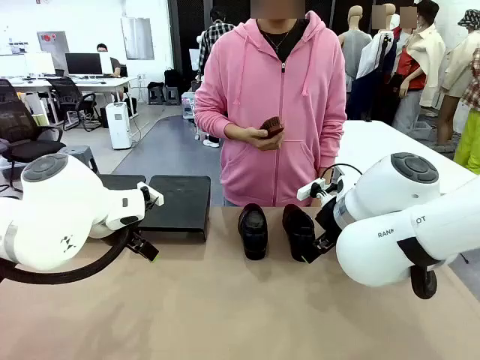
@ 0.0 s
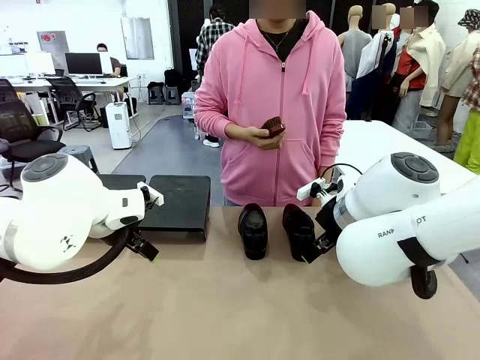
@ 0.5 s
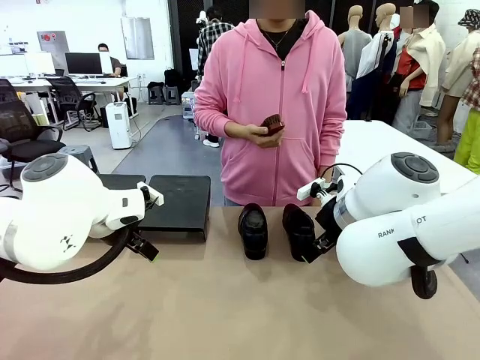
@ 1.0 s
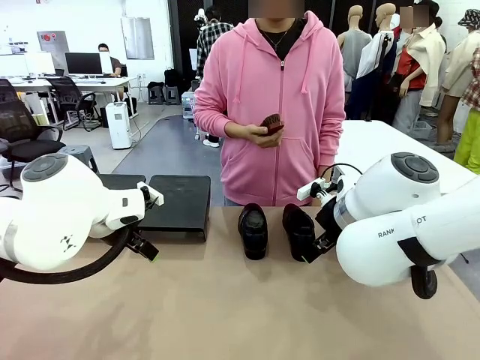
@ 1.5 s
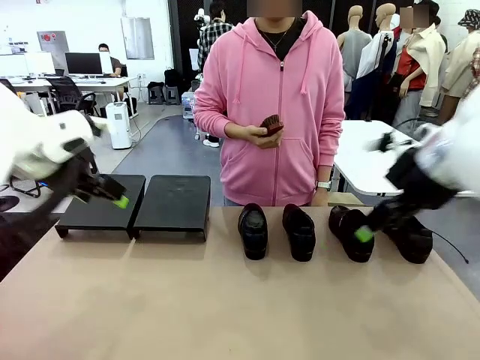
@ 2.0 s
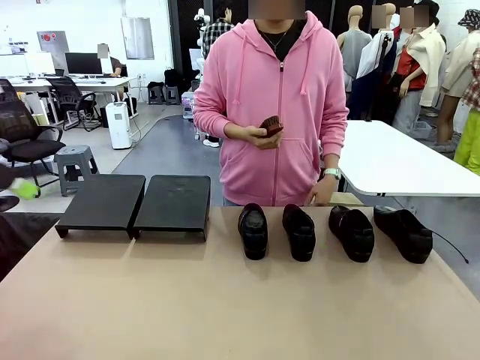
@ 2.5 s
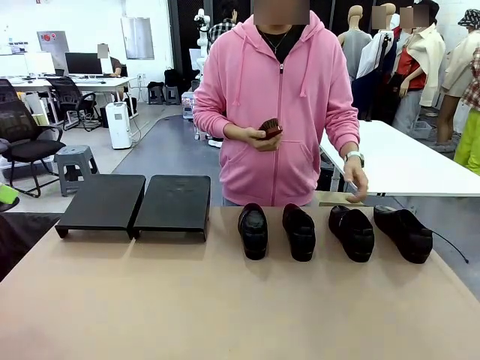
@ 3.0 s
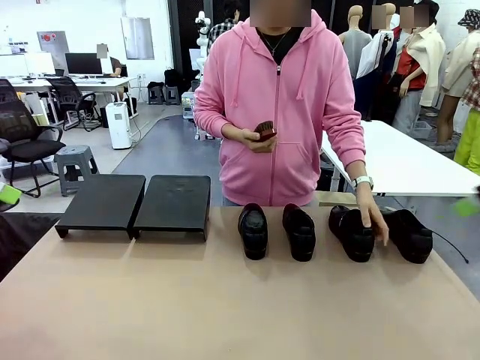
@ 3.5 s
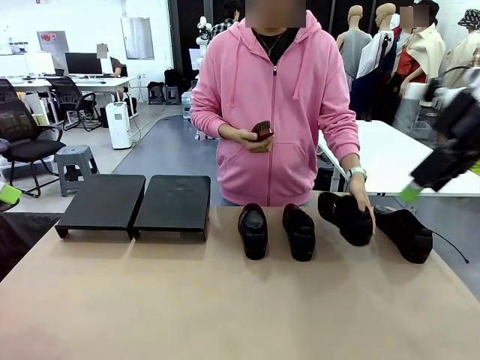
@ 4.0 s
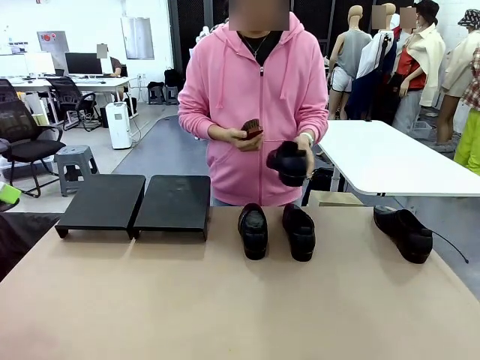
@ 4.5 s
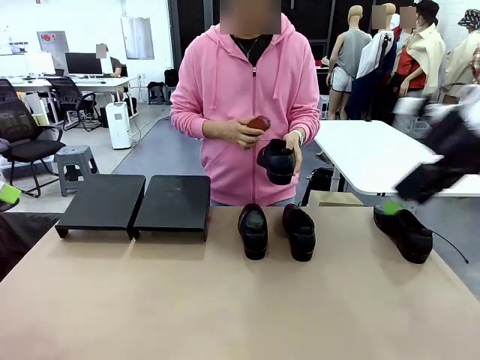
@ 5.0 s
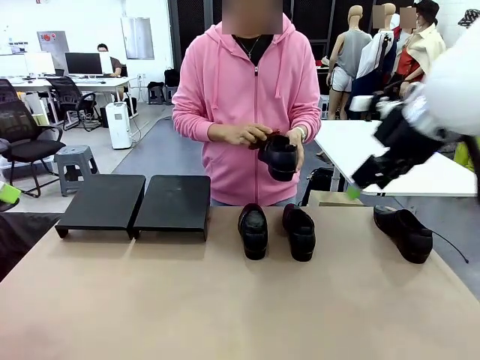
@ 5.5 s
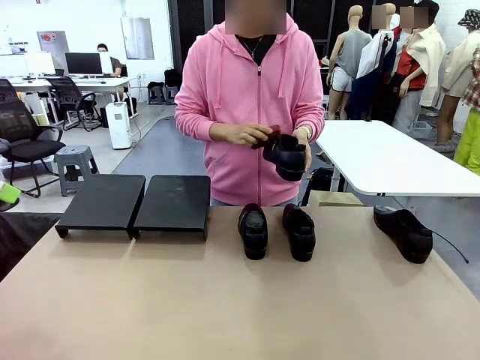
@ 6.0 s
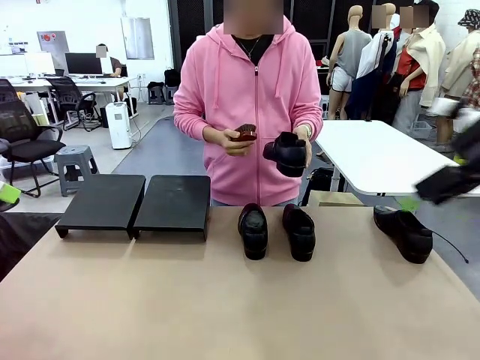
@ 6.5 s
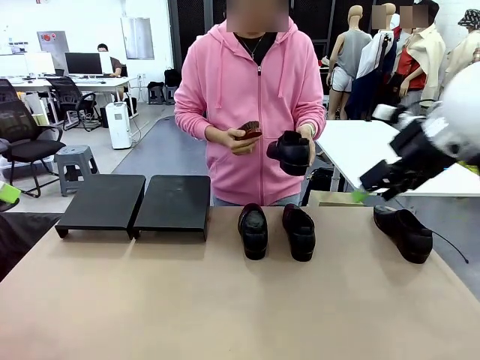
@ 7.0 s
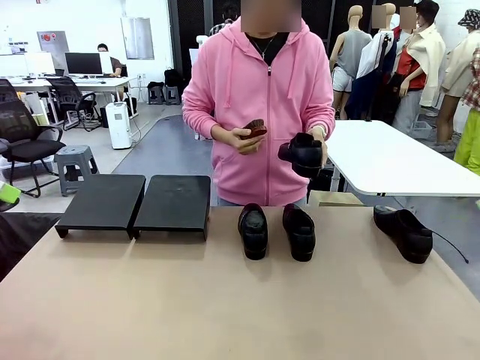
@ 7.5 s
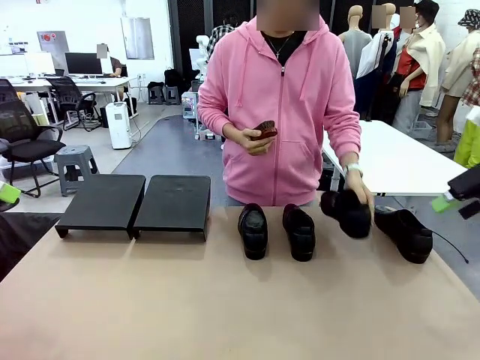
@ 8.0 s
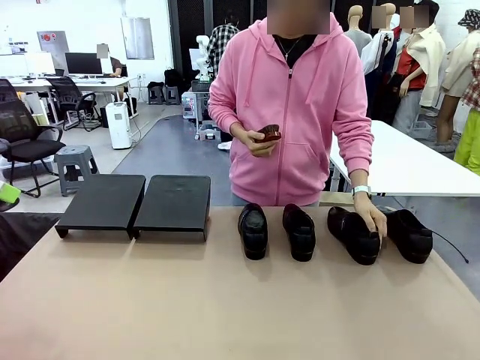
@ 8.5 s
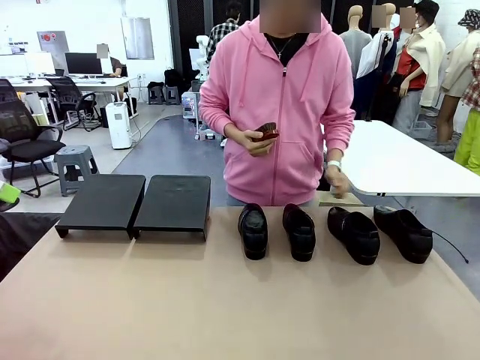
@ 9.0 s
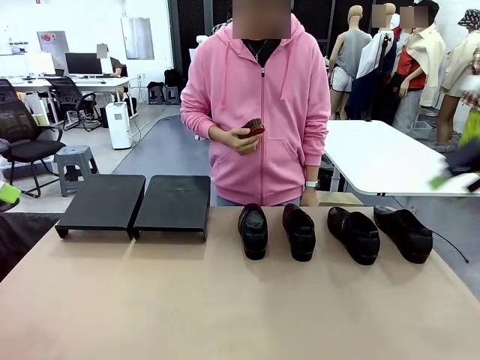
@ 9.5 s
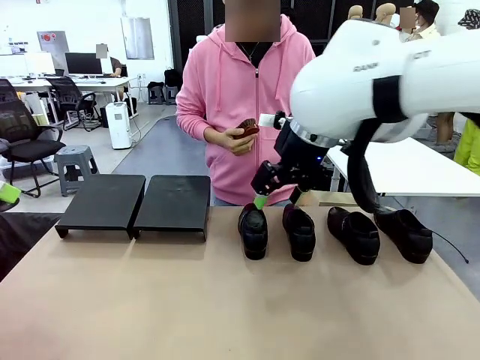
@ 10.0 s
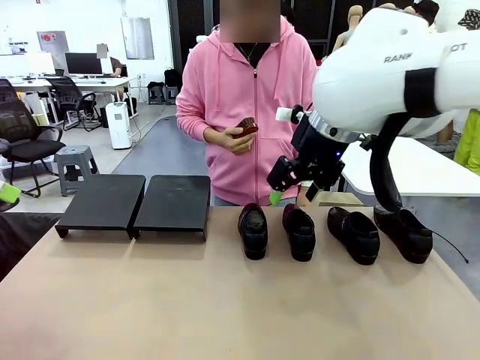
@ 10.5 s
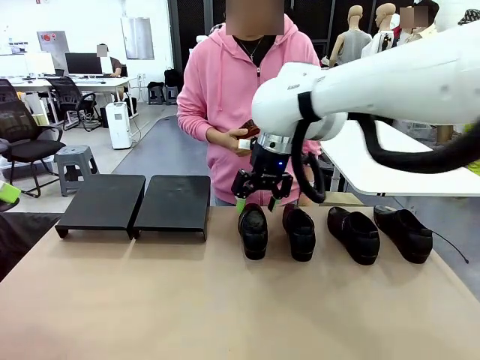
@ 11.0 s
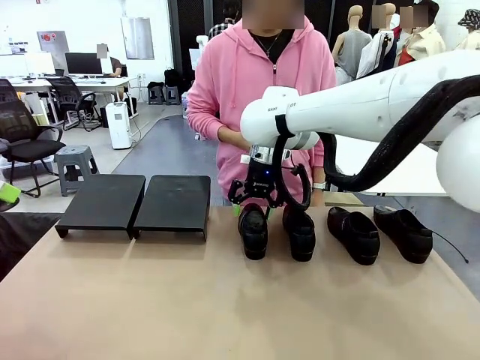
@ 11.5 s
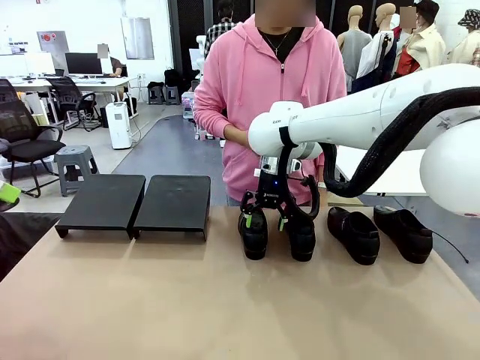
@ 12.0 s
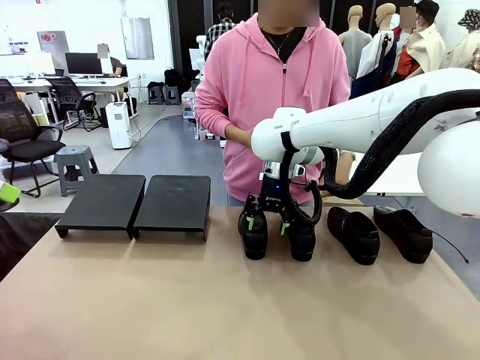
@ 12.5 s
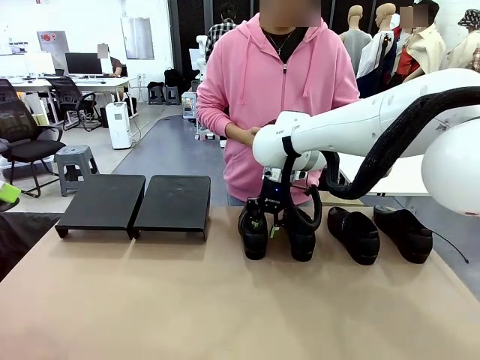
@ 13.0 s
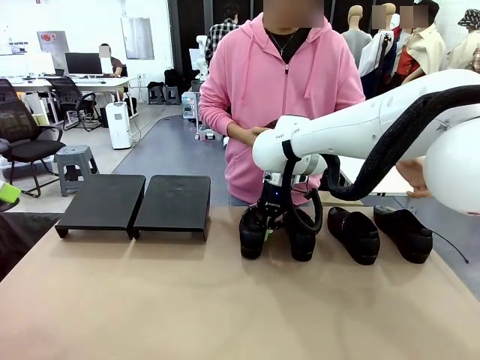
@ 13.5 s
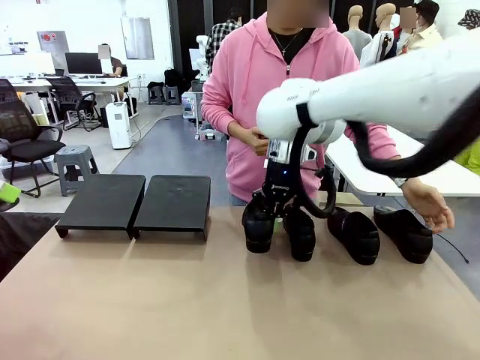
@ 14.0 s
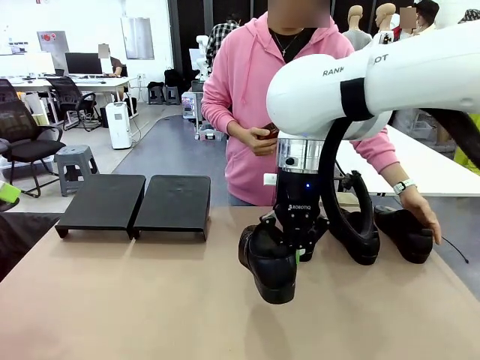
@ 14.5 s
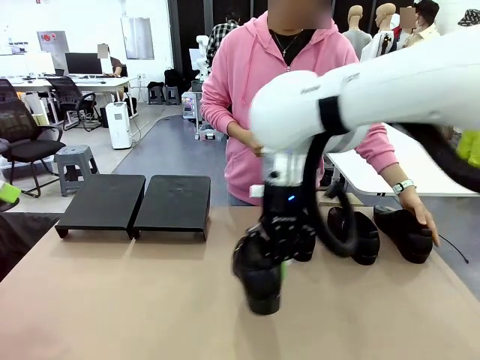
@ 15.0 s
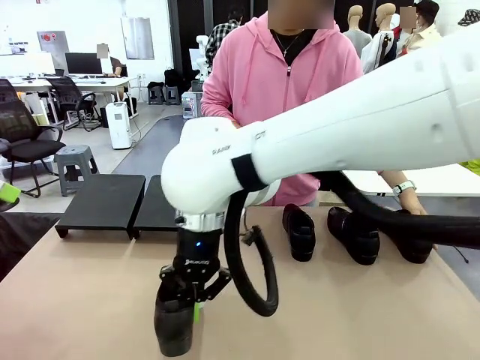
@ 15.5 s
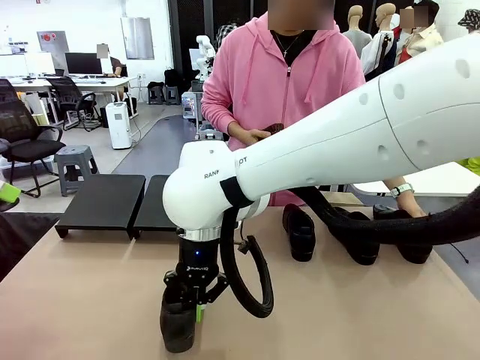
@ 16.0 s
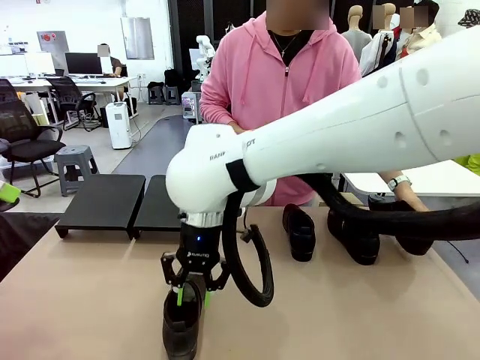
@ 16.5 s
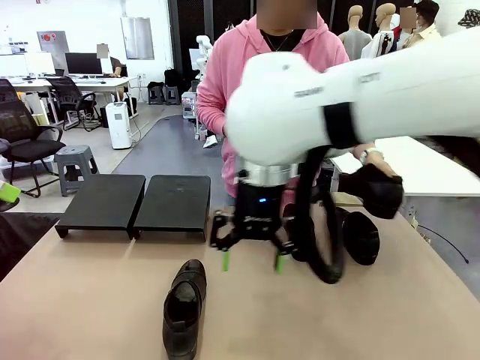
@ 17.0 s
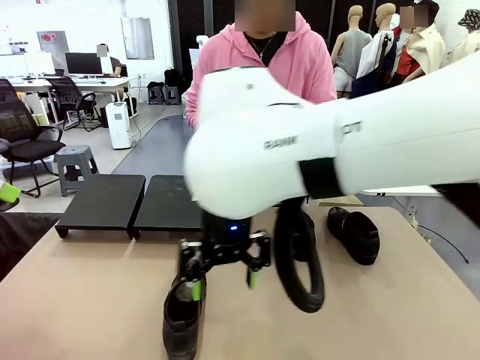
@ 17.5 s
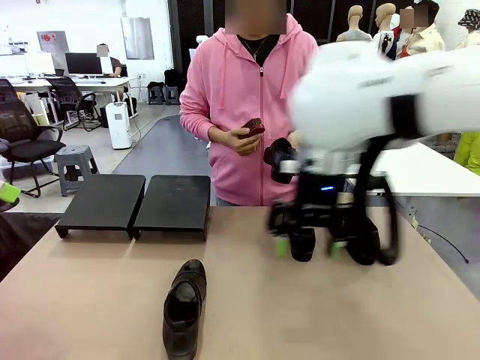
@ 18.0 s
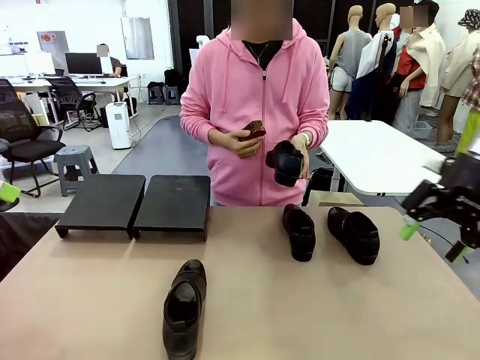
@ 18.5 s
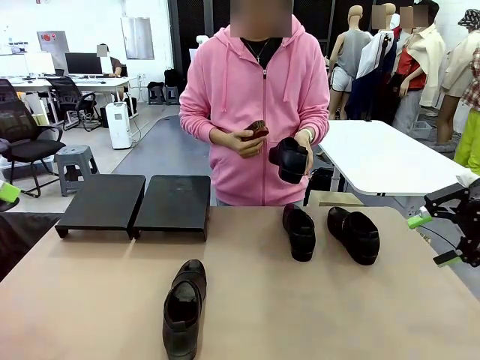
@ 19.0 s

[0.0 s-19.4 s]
Task: Organize the shoes by placing them on the stand.
Robot: Pick up one Shoe and place it in the middle of the table.
Person: Pick one Shoe on Robot's table. Clean the Shoe with the Shoe Brush. Place the Shoe on left side of the Robot's table. Pick one Shoe on Robot's table.

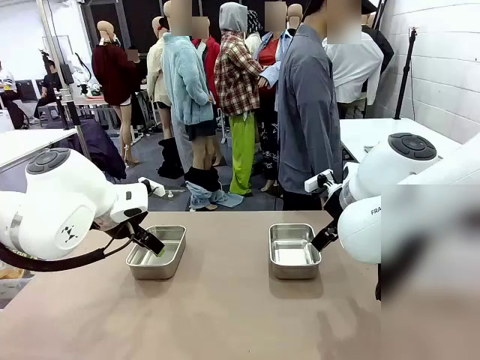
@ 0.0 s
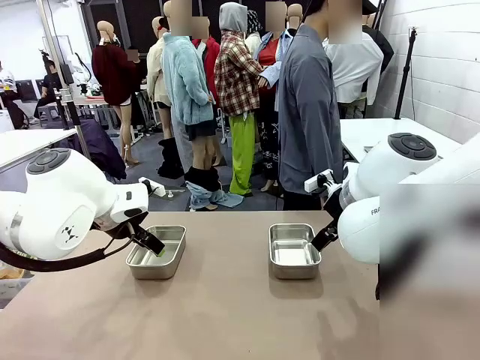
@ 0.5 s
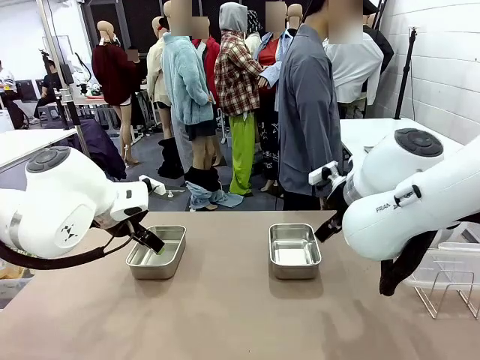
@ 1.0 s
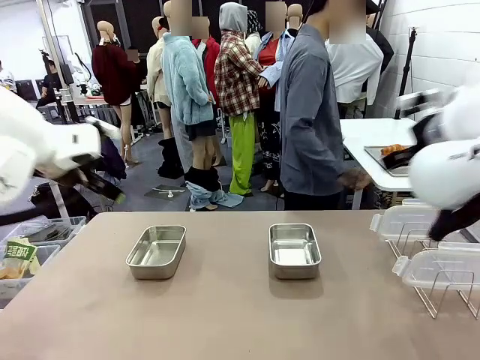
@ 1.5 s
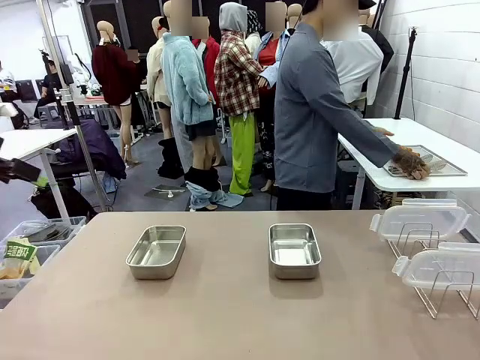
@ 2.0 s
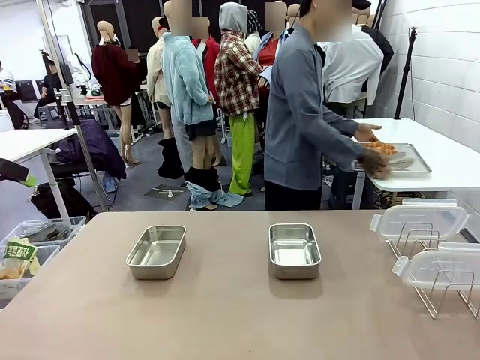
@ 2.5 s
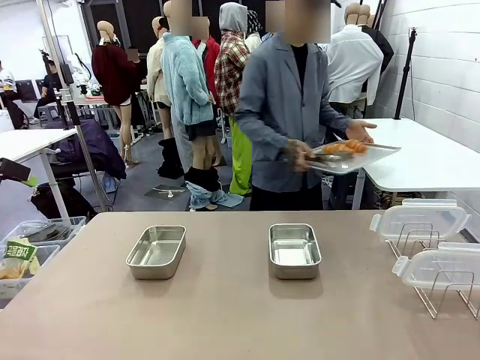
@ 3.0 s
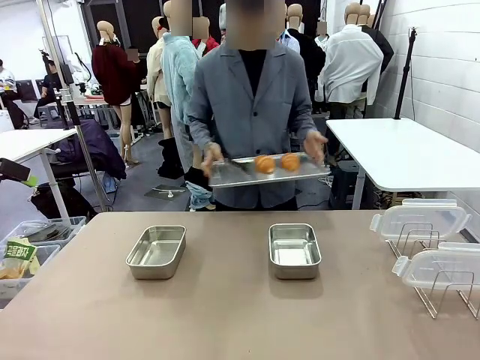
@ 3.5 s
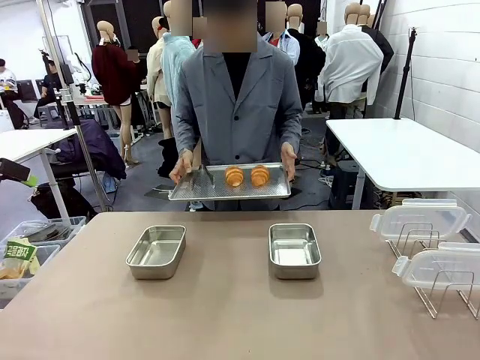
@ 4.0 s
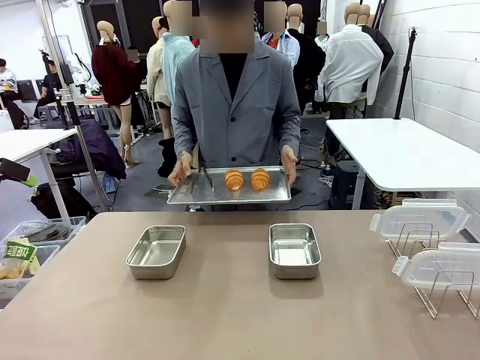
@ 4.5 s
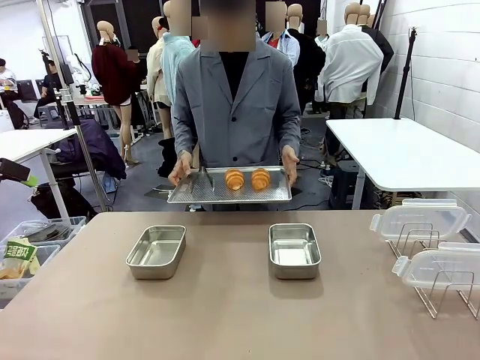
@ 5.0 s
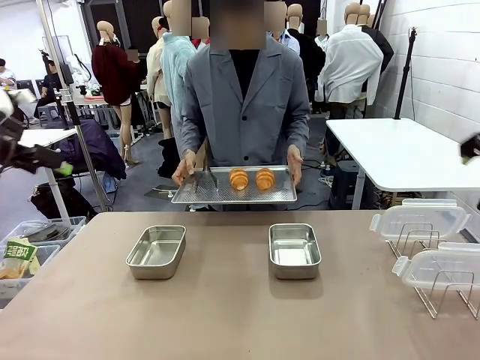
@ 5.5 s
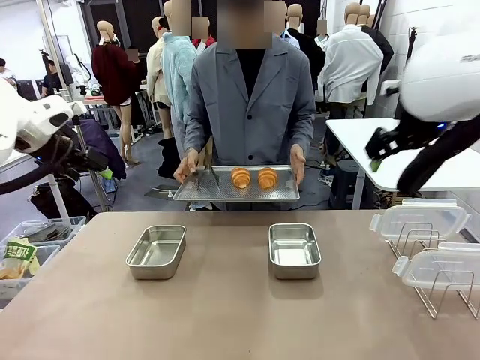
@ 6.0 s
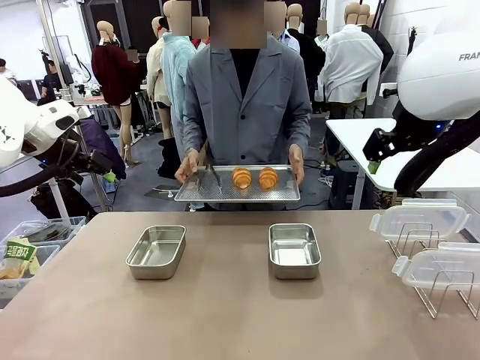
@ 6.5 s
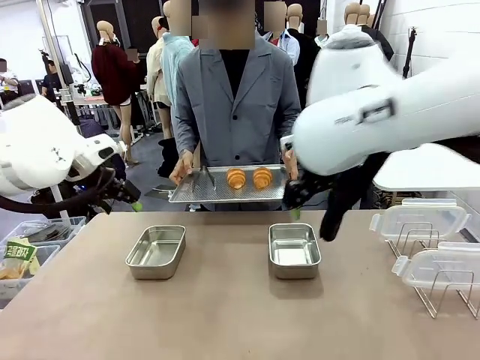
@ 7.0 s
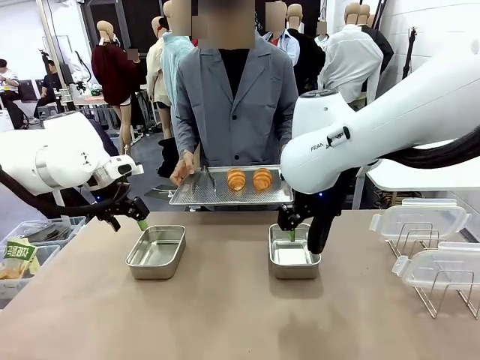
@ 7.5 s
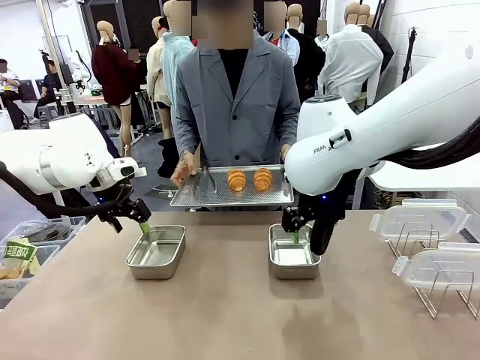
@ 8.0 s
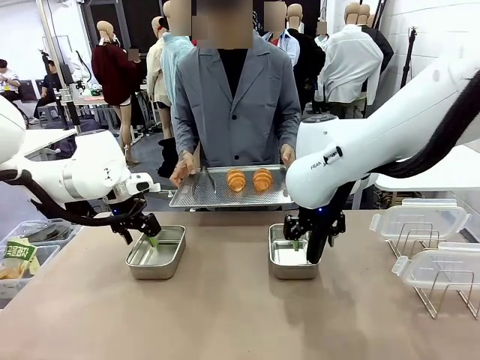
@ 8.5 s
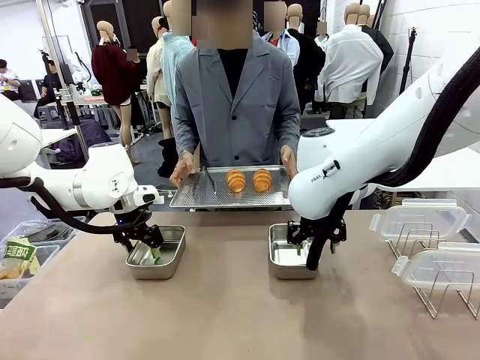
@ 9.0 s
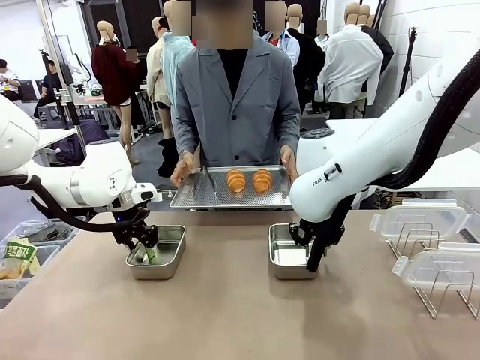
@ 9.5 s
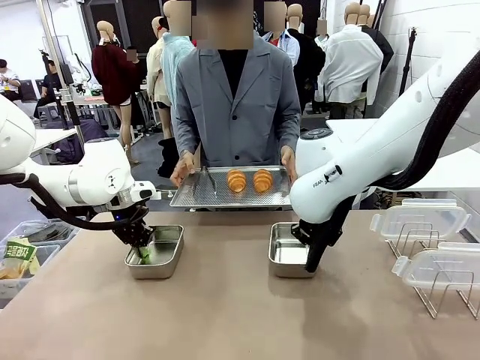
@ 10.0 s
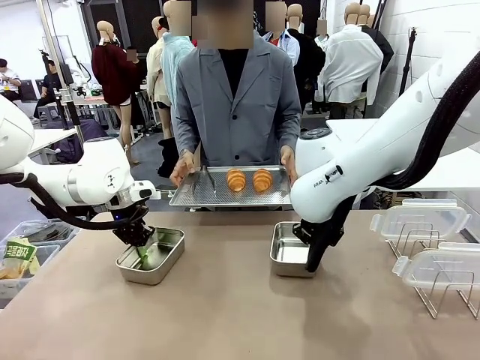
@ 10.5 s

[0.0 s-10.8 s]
Task: Place the bread in airtight containers.
Robot: Lift both Airtight Container.
Person: Bring the Baking Sheet in front of Robot's Table.
